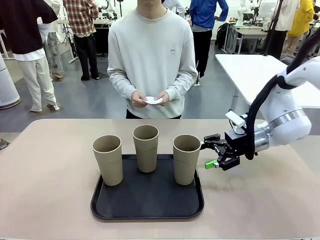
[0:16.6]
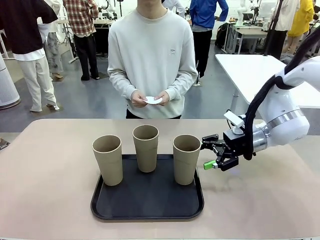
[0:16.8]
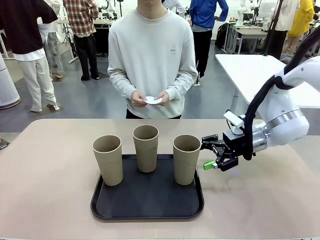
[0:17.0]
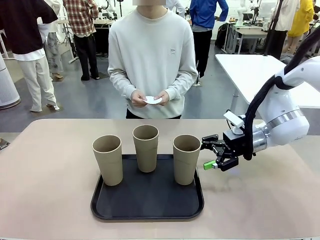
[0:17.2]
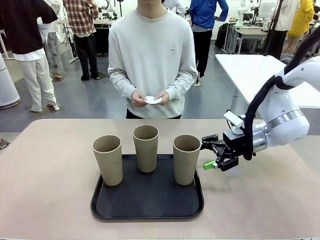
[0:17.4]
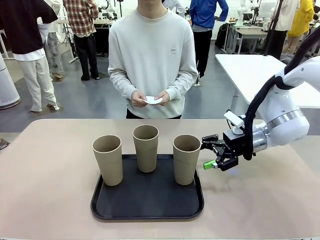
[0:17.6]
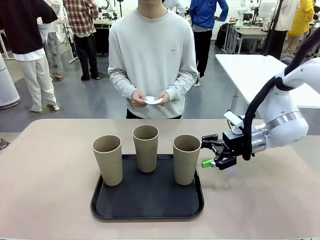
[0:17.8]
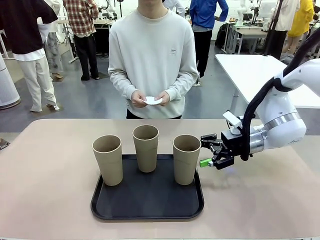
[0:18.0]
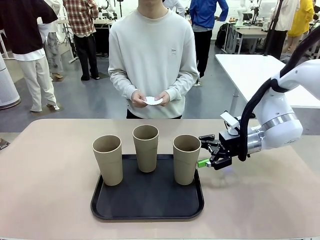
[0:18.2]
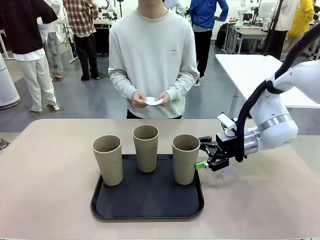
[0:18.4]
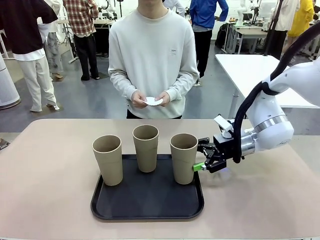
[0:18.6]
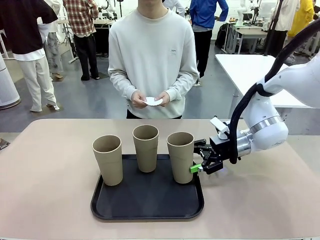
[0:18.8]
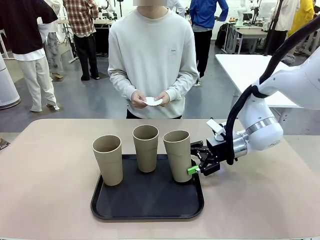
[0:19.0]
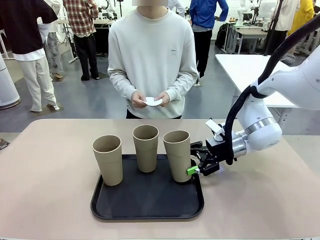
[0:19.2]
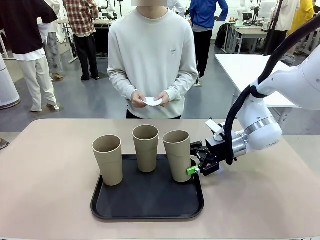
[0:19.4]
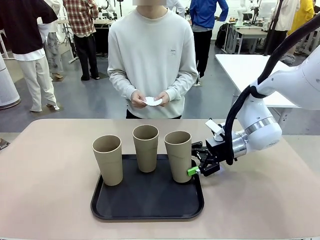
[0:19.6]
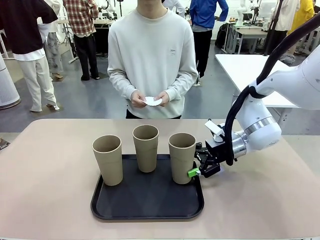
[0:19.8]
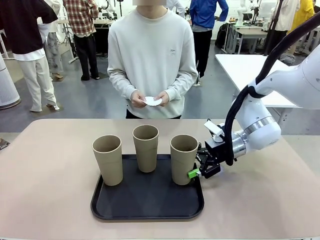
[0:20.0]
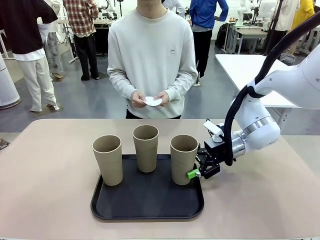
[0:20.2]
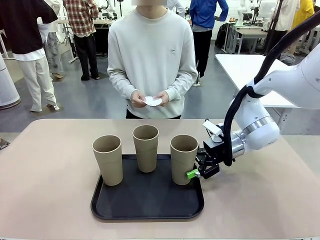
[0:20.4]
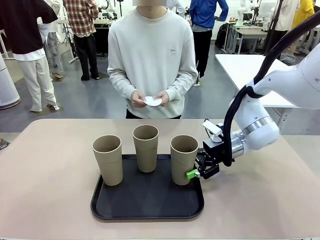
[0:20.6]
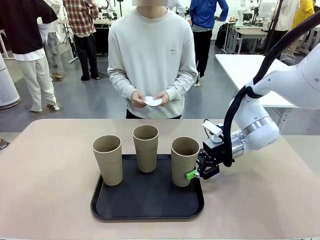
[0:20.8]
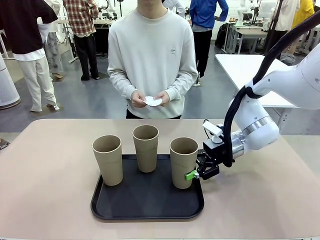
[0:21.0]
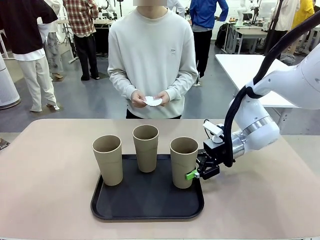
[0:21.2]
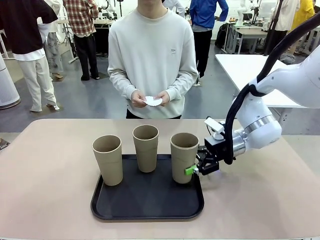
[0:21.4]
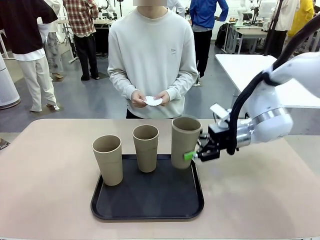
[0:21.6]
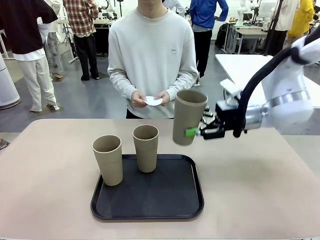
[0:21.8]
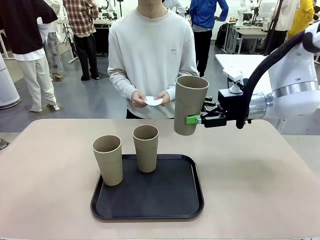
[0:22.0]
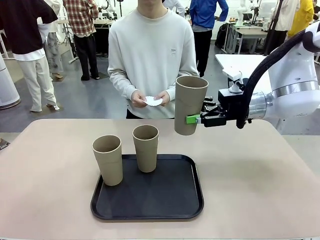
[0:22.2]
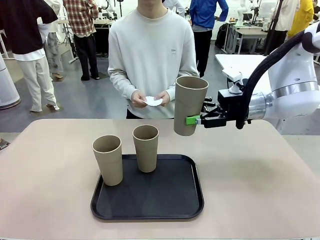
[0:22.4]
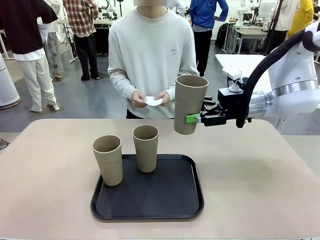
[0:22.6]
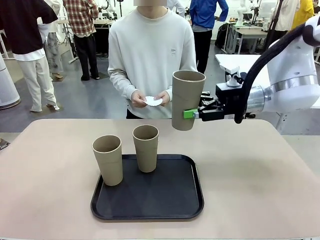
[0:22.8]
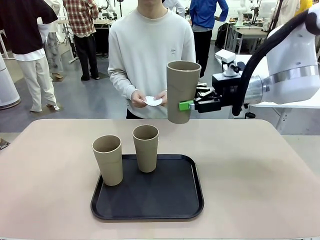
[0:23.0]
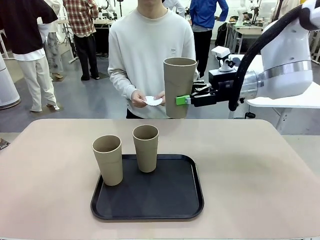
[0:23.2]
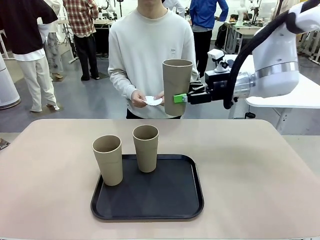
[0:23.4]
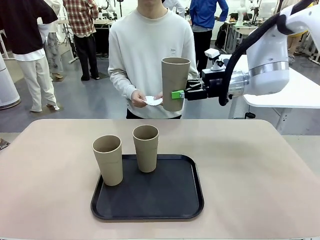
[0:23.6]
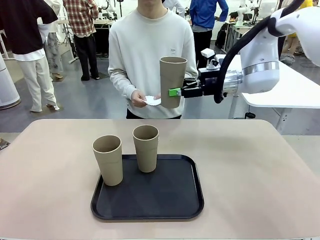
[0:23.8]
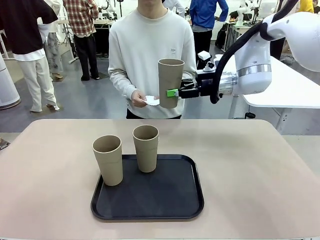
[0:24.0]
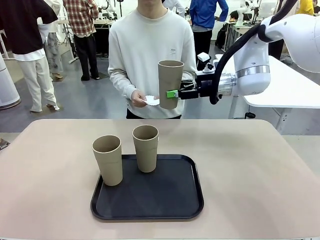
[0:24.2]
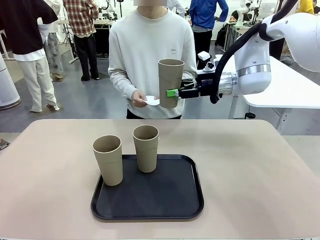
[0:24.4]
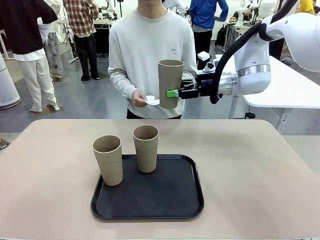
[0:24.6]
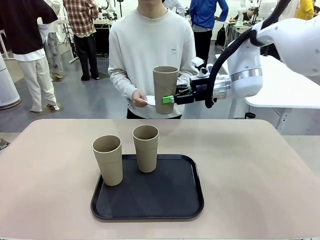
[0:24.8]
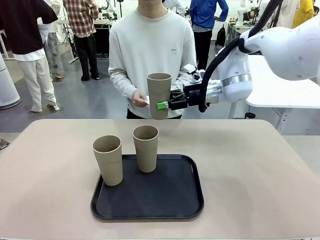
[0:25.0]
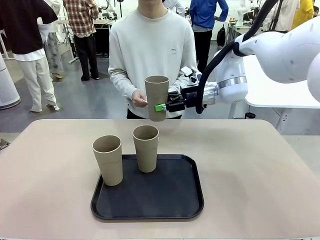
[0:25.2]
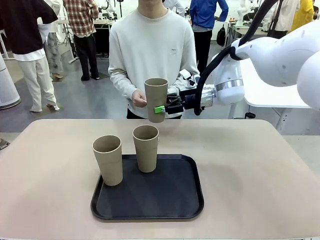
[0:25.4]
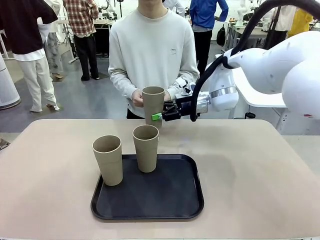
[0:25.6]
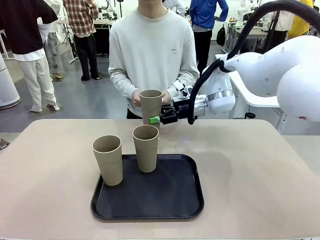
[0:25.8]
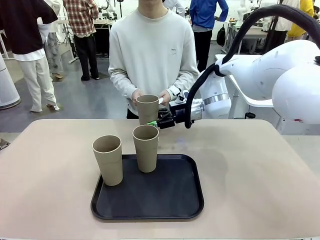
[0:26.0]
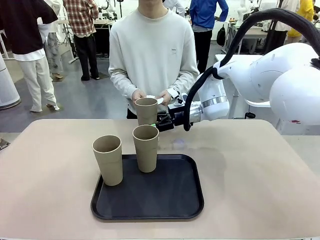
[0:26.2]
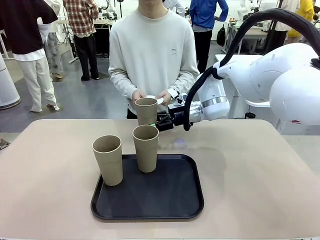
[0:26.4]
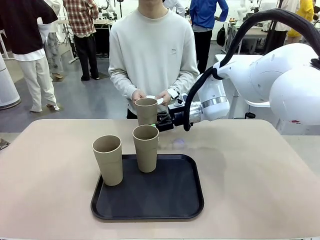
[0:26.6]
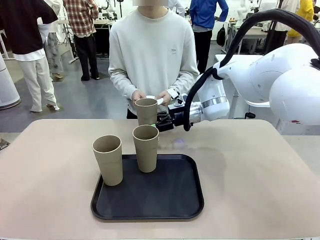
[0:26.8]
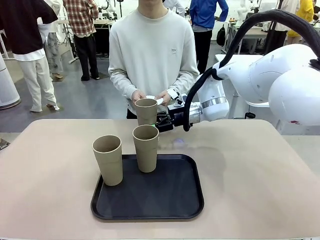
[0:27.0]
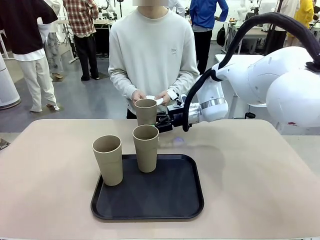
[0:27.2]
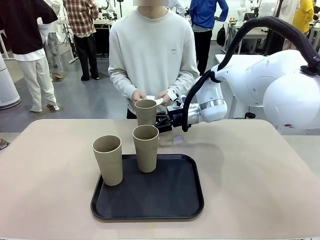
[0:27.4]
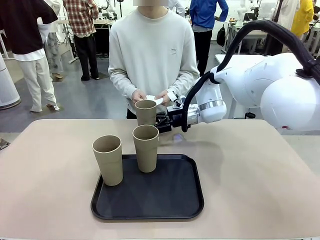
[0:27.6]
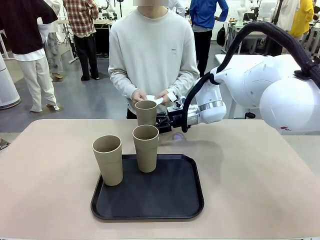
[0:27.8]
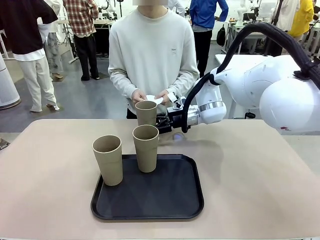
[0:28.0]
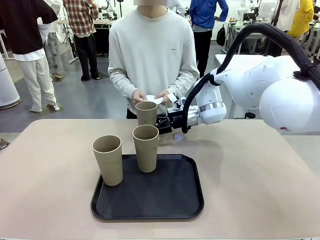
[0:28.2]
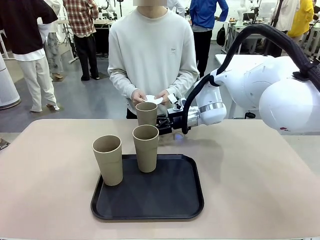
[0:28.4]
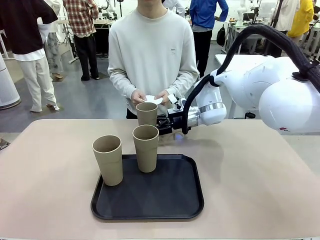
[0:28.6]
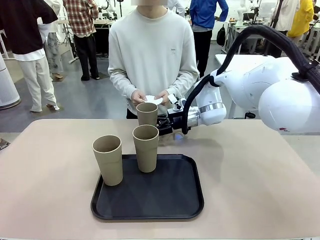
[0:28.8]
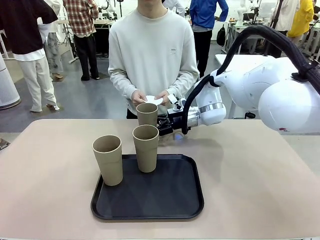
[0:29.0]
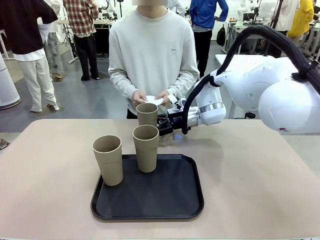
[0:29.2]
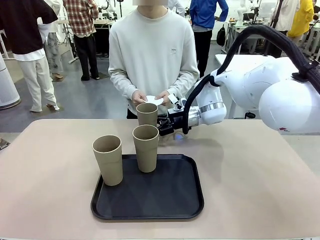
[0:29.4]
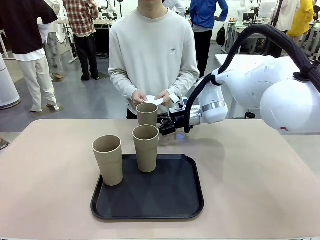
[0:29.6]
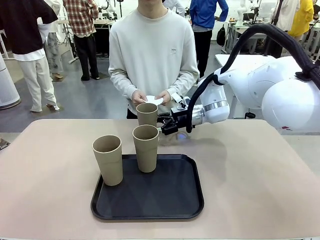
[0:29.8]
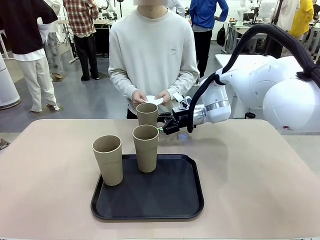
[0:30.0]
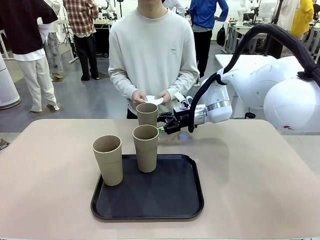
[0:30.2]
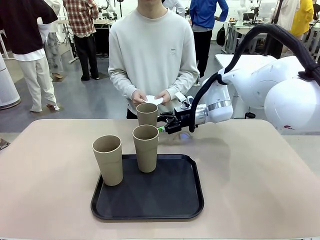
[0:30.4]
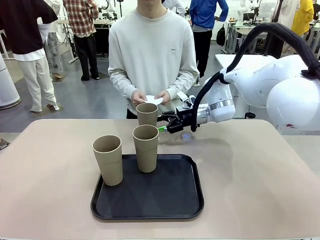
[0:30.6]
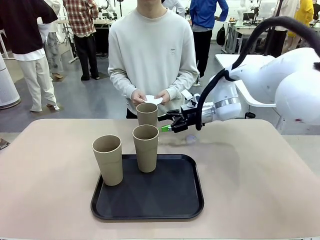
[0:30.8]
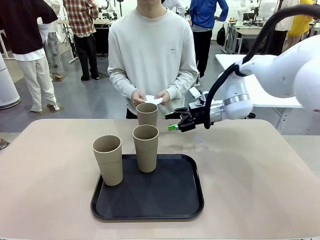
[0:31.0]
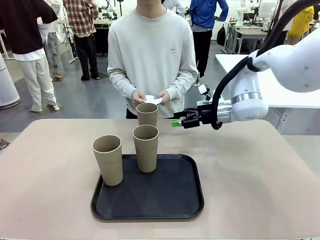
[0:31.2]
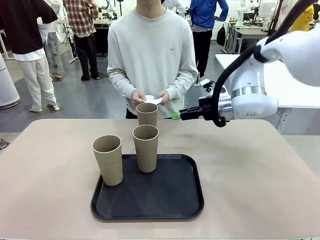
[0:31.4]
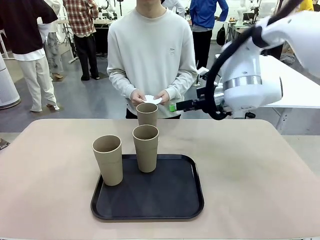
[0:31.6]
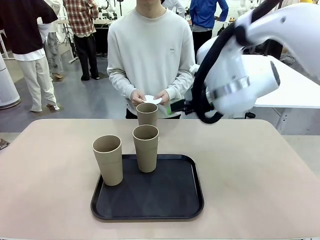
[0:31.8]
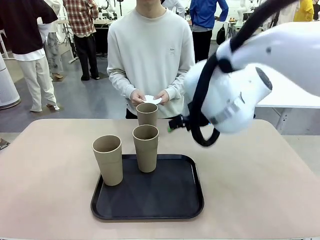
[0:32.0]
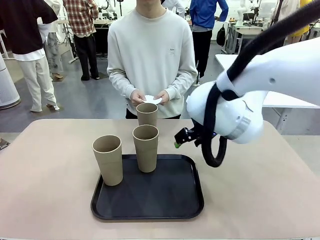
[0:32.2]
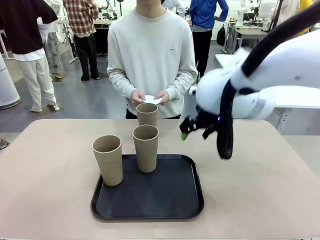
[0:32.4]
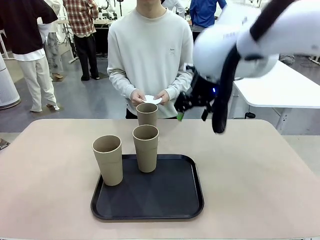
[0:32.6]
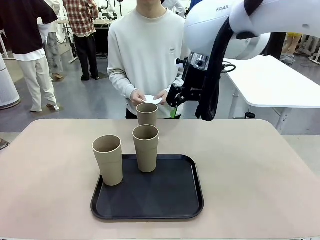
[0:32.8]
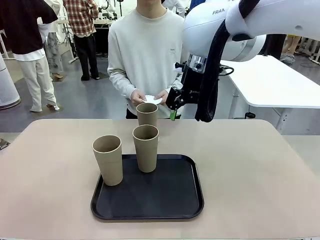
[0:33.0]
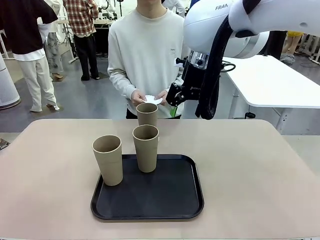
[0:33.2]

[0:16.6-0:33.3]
Task: Place coasters on the table and set cups on them.
Robot: Pick up one Reusable plastic cup and place it on a coaster set by the human.
Person: Place one coaster in one of the two areas excluding the previously selected area.

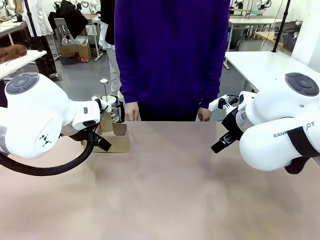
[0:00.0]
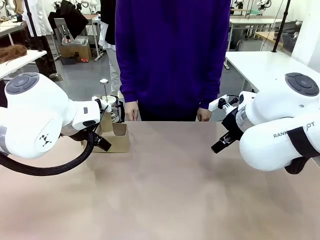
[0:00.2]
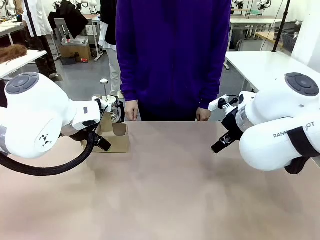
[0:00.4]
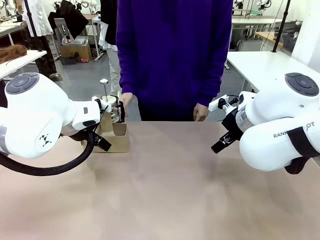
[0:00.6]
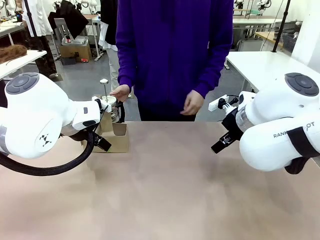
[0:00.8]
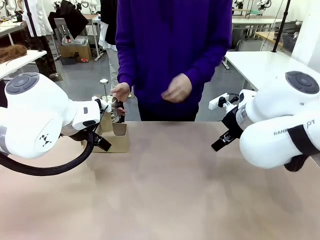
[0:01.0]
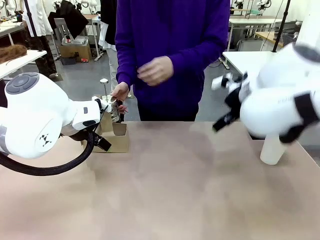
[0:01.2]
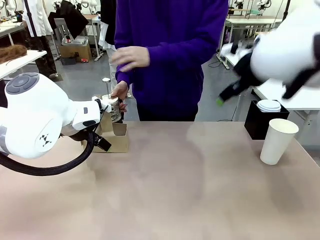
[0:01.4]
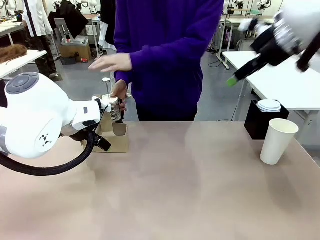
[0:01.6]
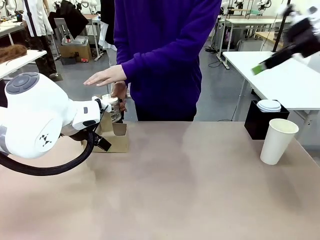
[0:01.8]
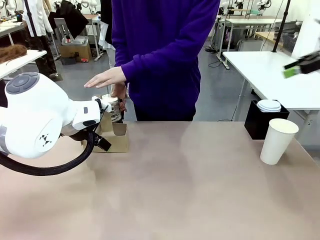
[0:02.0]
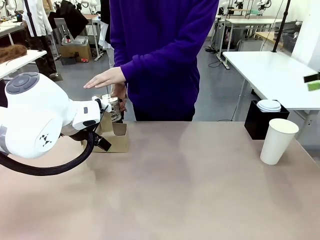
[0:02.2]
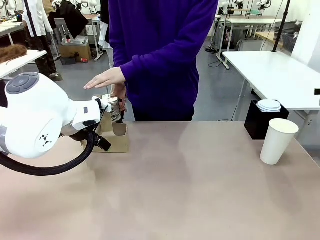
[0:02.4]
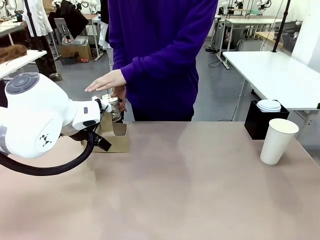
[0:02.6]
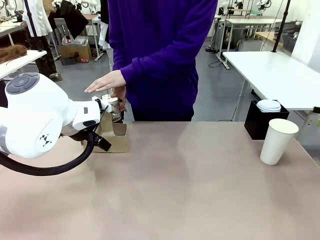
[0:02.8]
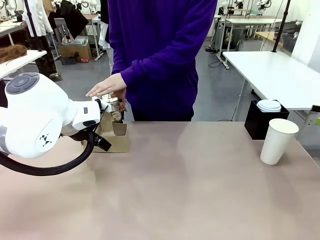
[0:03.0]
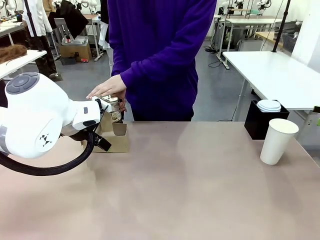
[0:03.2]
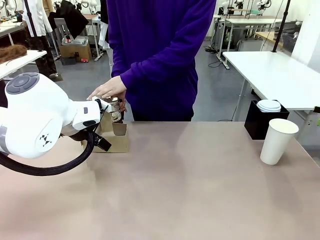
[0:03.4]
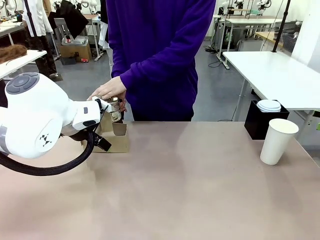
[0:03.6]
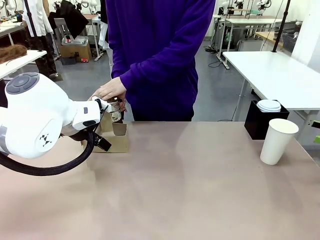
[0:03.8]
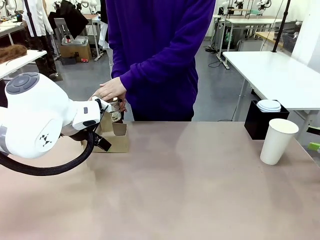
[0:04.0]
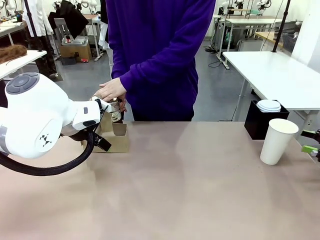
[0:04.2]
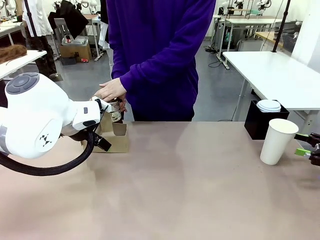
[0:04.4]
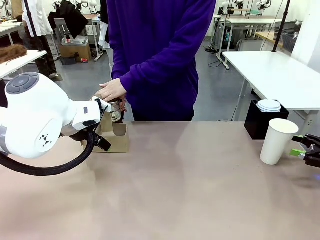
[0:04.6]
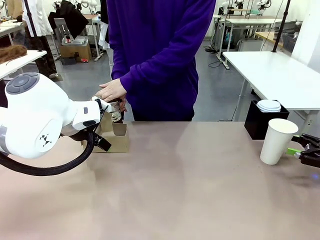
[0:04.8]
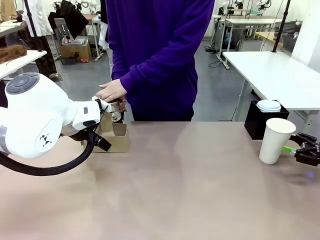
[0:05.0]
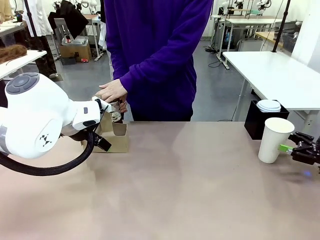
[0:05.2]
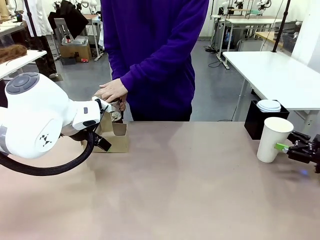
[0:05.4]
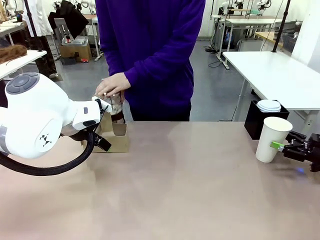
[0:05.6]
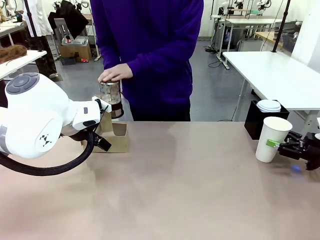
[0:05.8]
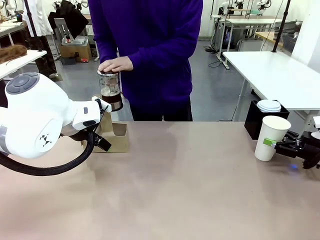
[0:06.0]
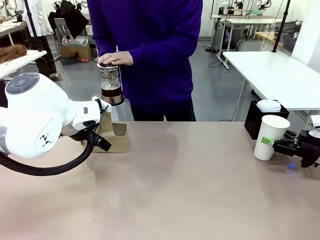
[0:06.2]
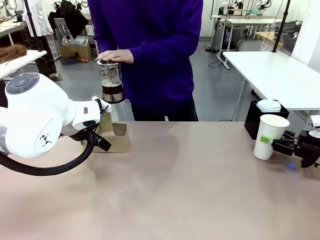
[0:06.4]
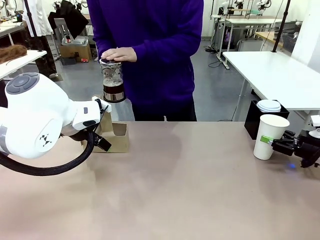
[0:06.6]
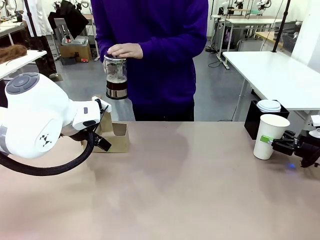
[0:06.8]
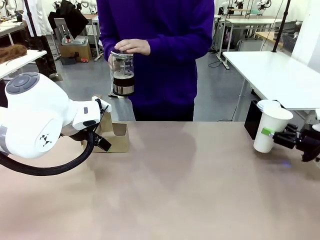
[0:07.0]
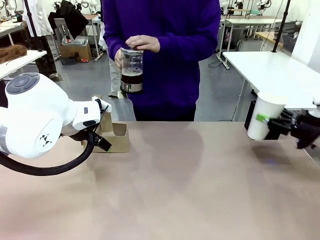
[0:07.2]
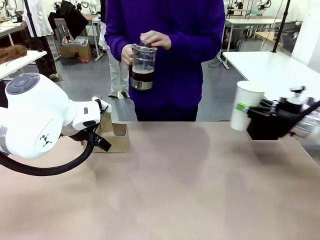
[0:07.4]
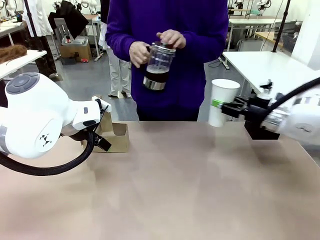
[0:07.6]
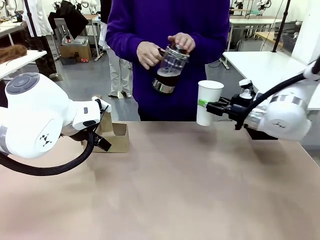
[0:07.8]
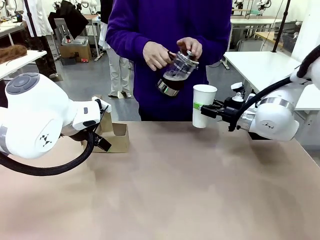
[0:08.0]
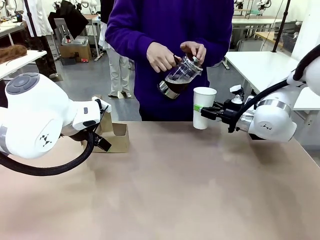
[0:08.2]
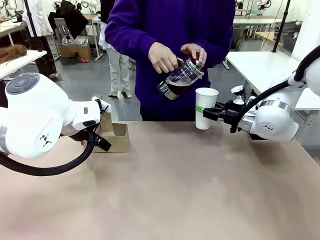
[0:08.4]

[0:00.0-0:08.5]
Task: Pour a drink into a cup and package it in a carrier.
Robot: Pick up the 600 ml Paper Cup and place it in the middle top area of the table.
Person: Press and pick up the Filter Brewing.
